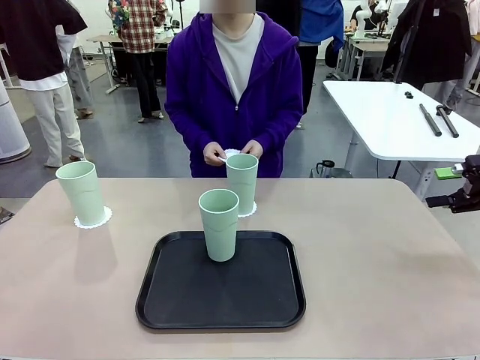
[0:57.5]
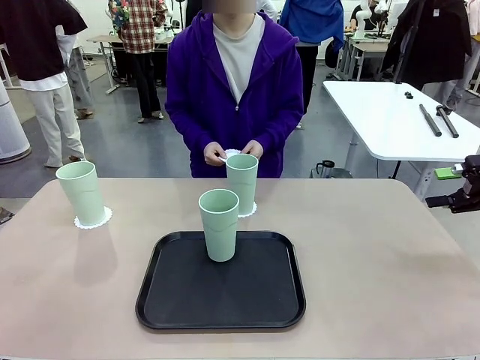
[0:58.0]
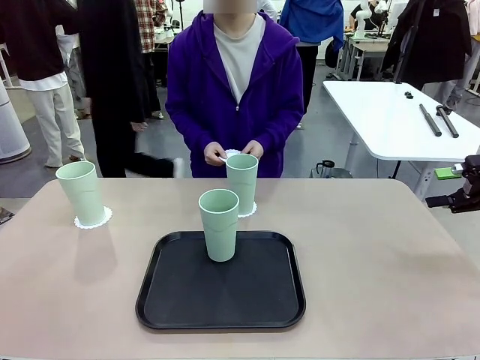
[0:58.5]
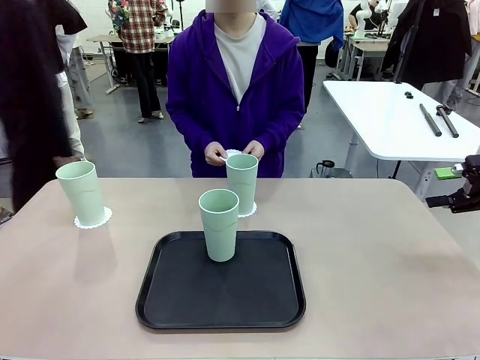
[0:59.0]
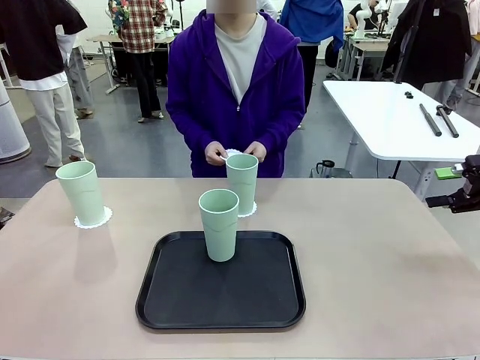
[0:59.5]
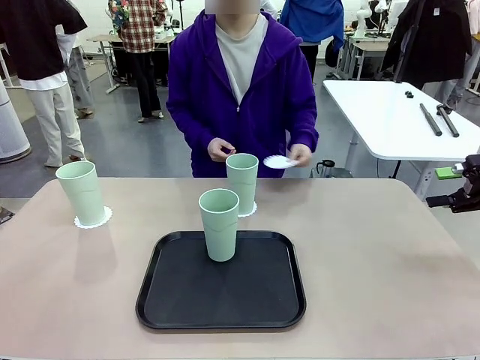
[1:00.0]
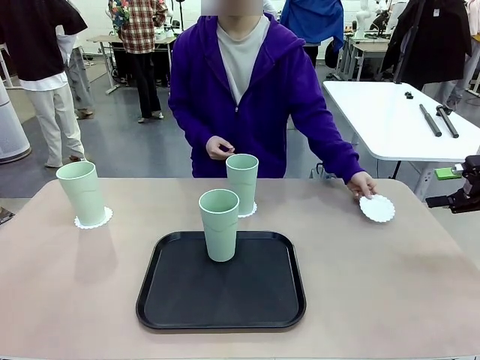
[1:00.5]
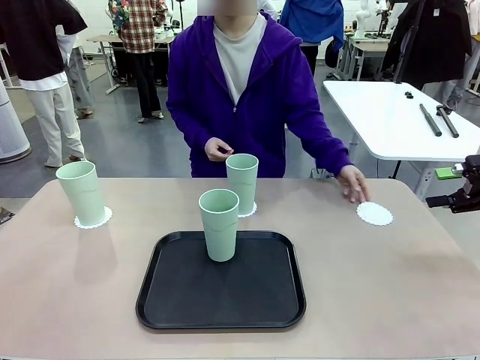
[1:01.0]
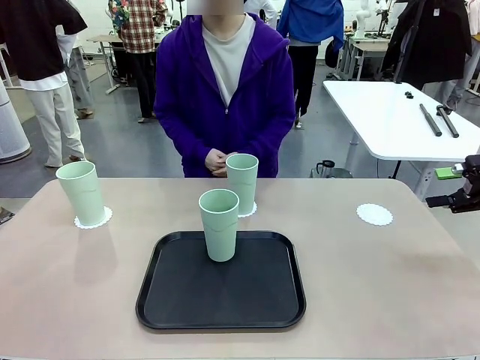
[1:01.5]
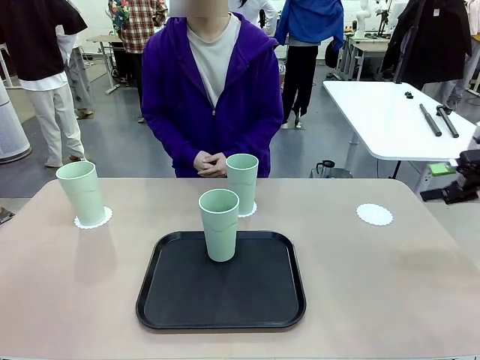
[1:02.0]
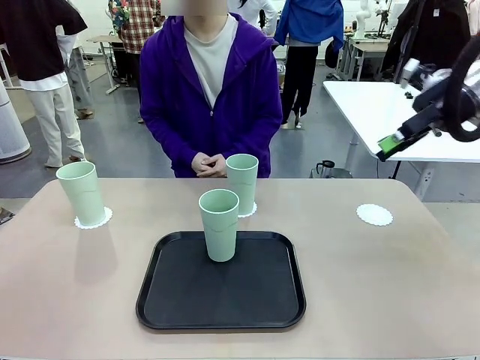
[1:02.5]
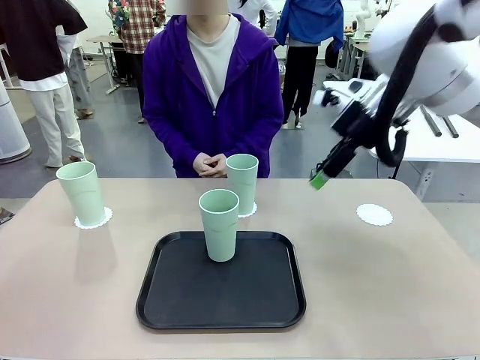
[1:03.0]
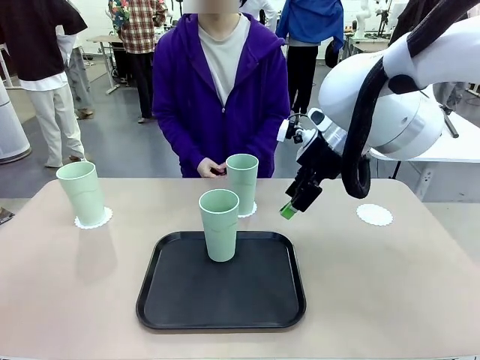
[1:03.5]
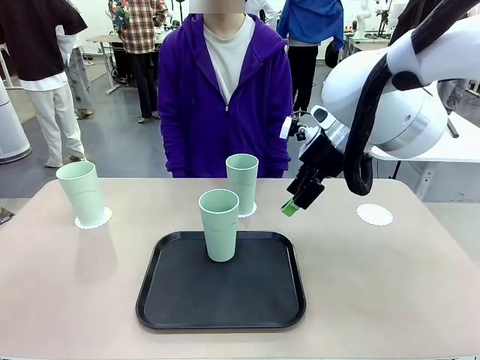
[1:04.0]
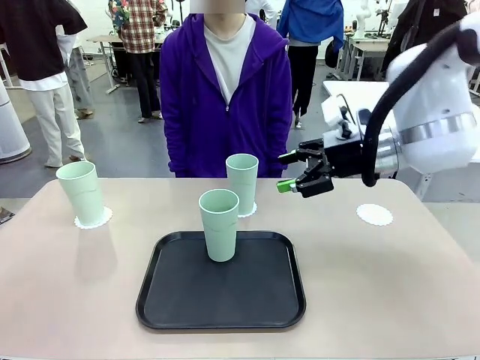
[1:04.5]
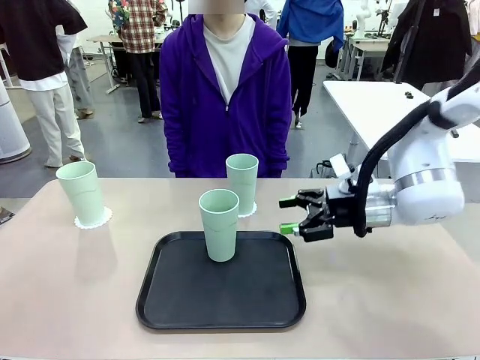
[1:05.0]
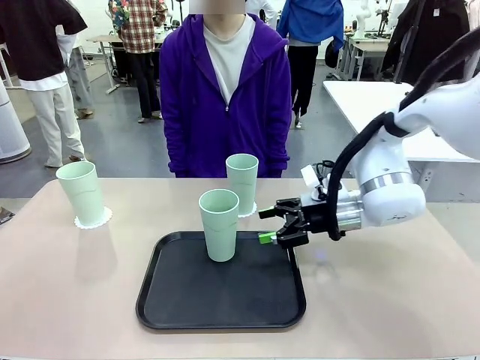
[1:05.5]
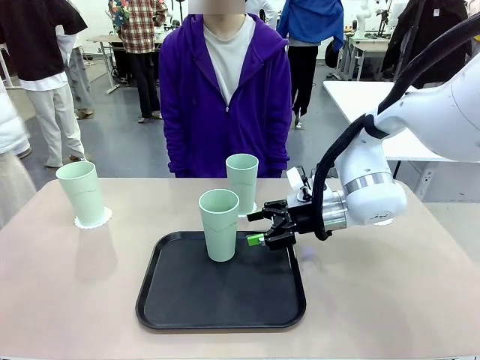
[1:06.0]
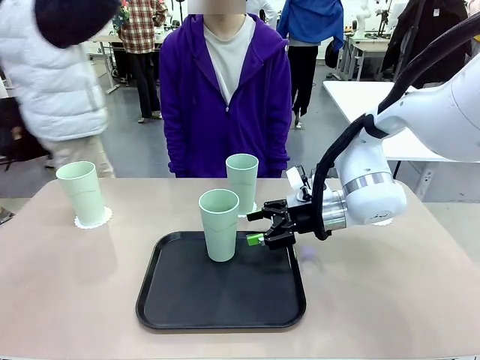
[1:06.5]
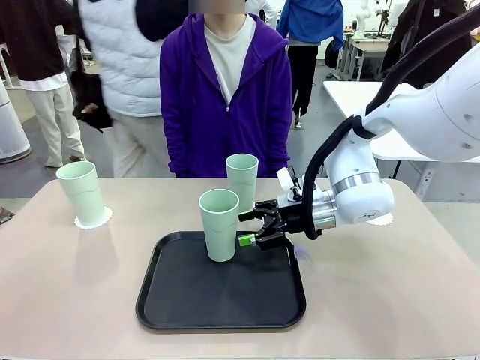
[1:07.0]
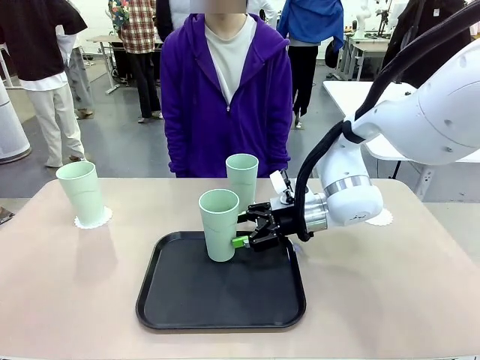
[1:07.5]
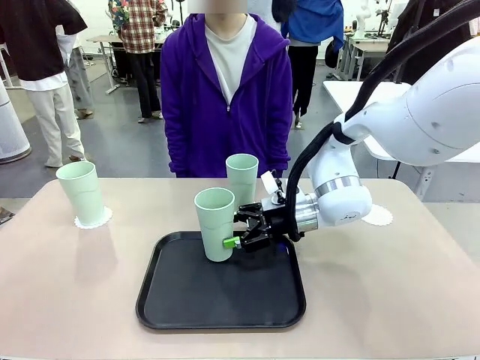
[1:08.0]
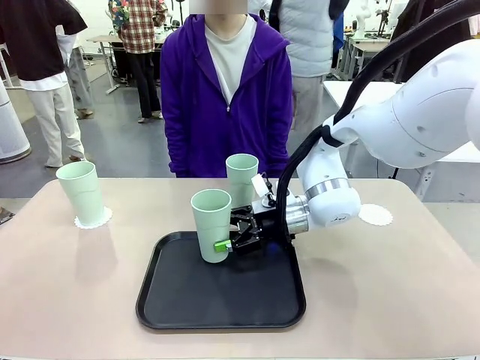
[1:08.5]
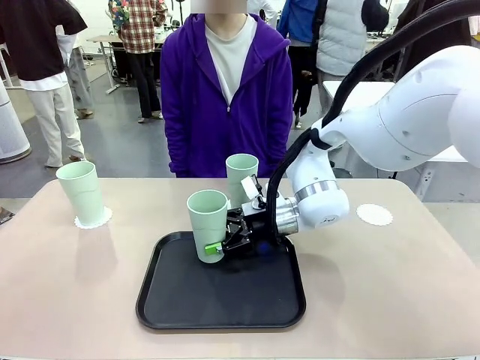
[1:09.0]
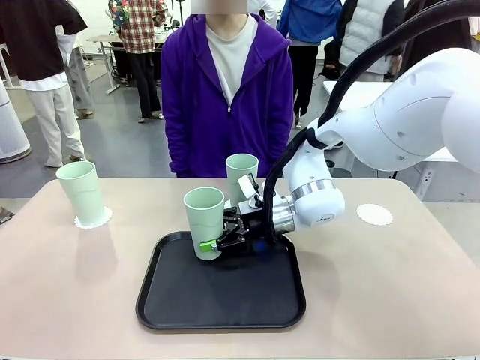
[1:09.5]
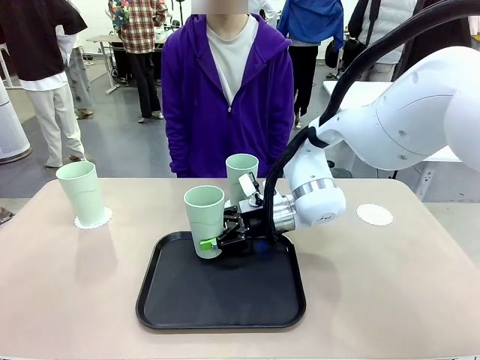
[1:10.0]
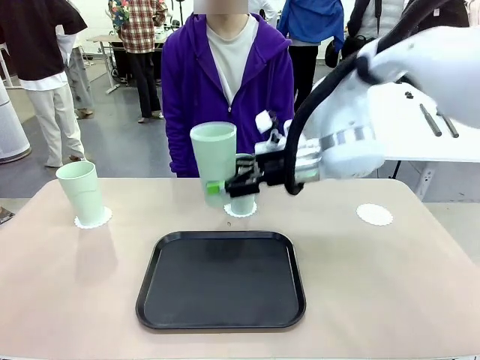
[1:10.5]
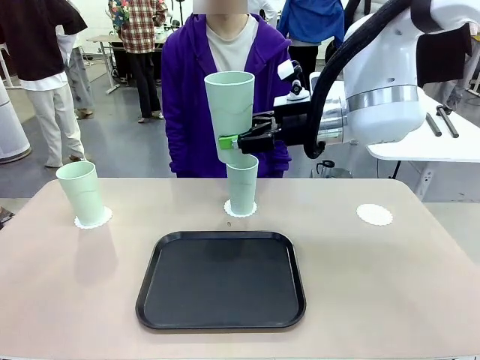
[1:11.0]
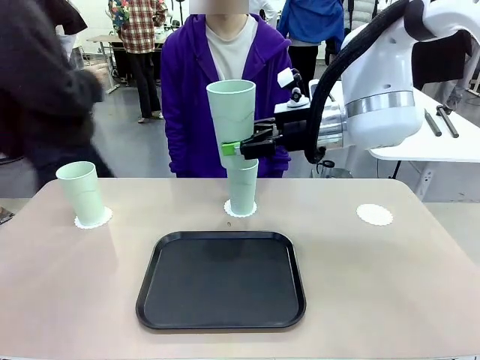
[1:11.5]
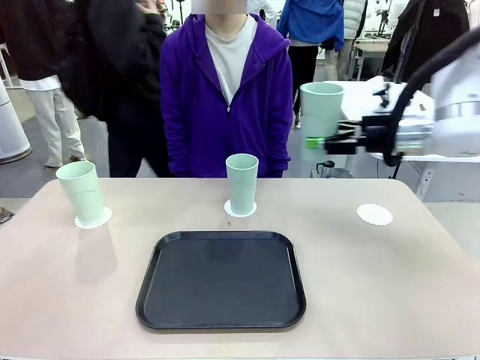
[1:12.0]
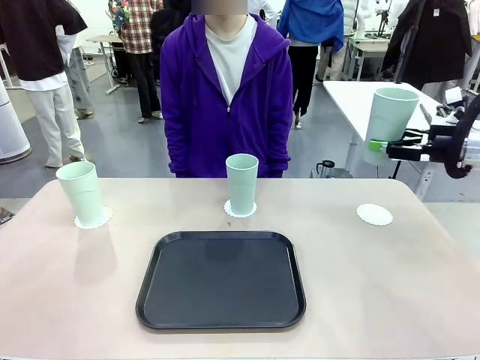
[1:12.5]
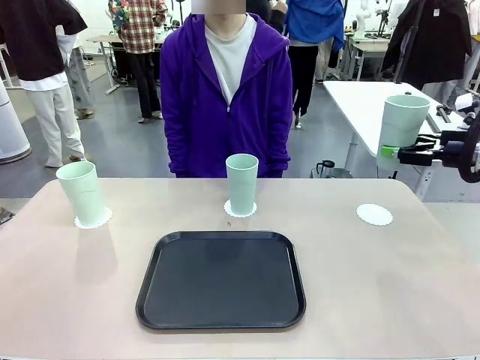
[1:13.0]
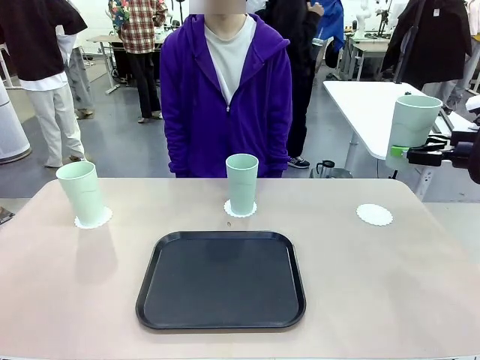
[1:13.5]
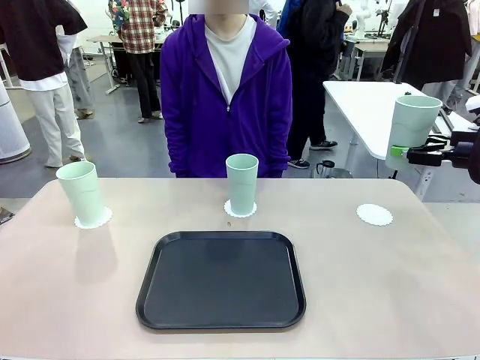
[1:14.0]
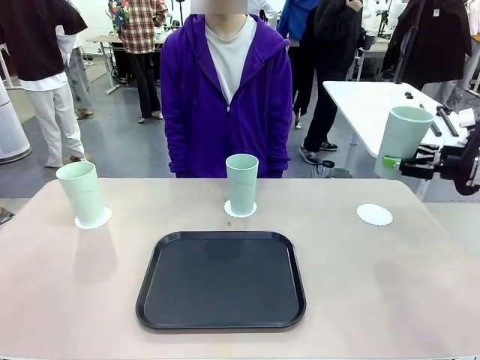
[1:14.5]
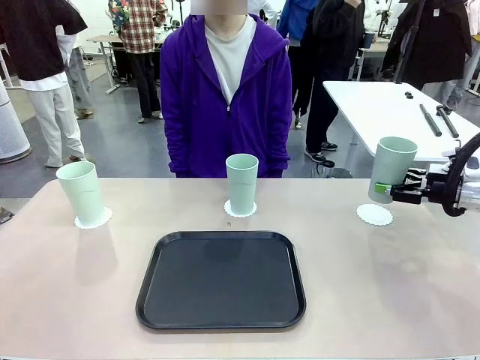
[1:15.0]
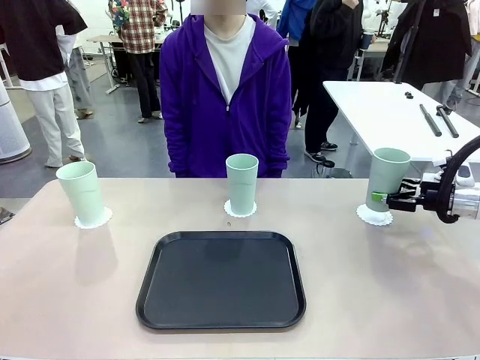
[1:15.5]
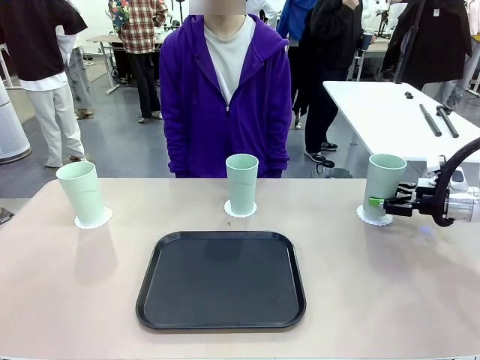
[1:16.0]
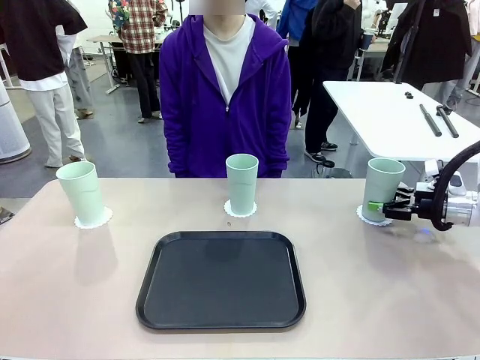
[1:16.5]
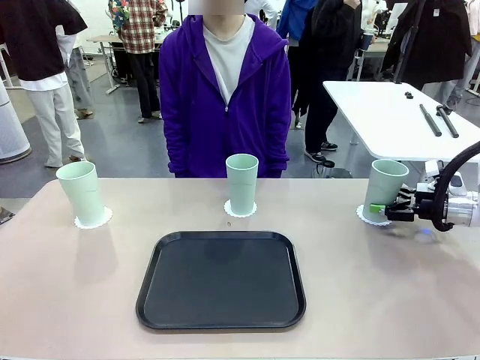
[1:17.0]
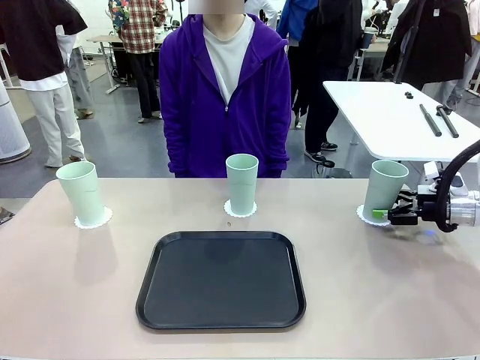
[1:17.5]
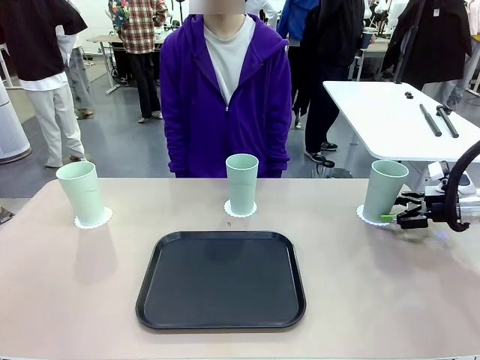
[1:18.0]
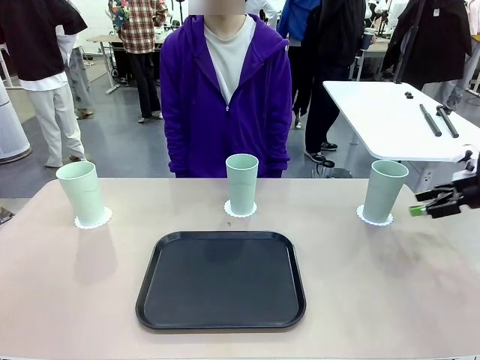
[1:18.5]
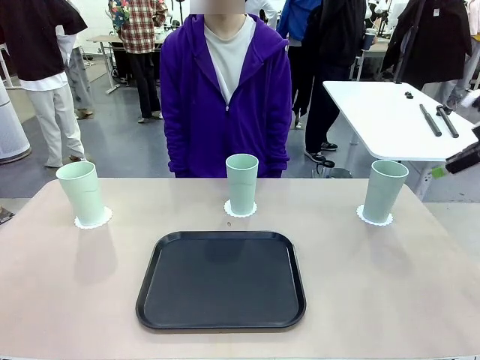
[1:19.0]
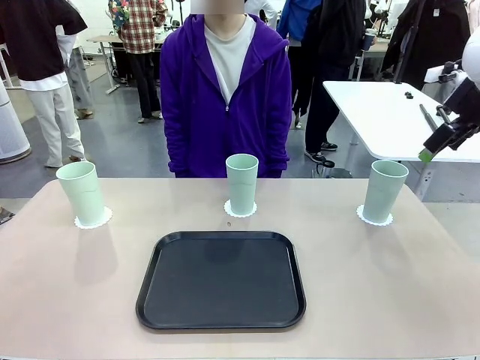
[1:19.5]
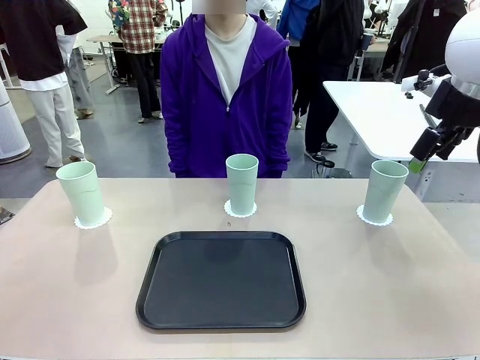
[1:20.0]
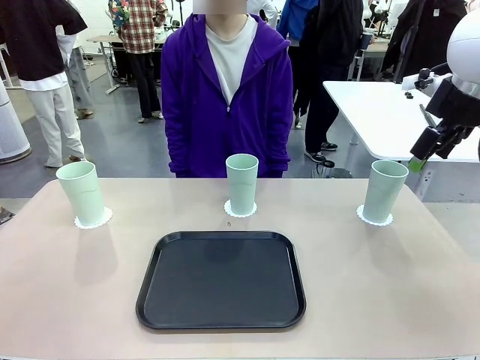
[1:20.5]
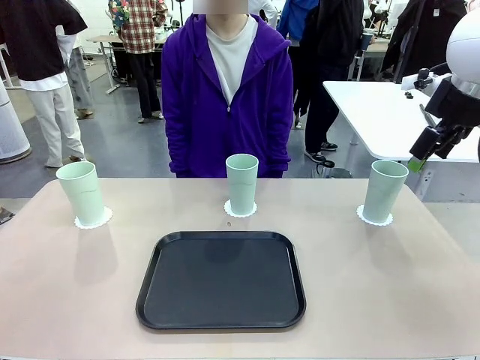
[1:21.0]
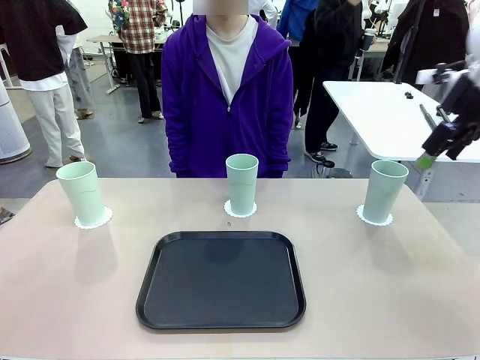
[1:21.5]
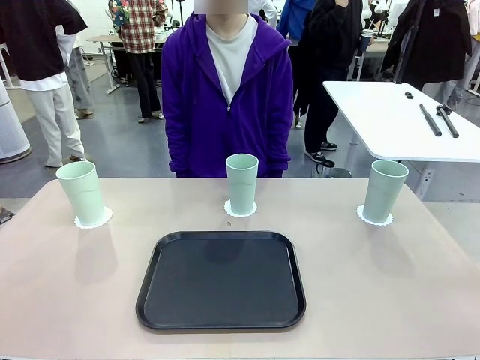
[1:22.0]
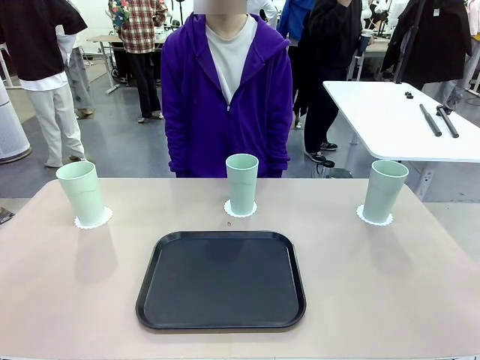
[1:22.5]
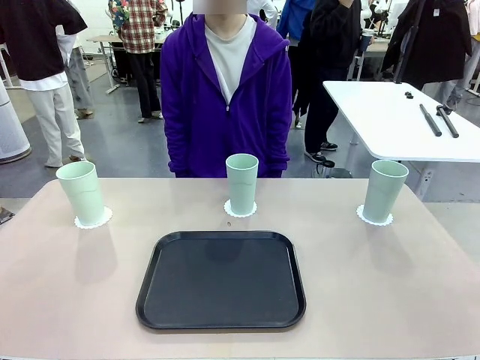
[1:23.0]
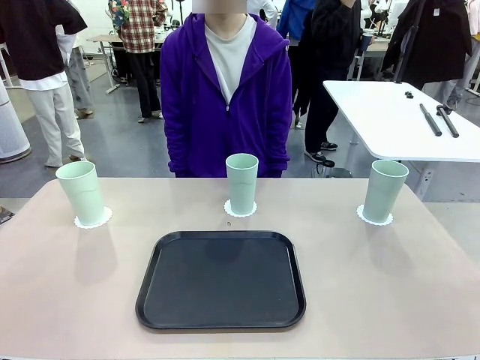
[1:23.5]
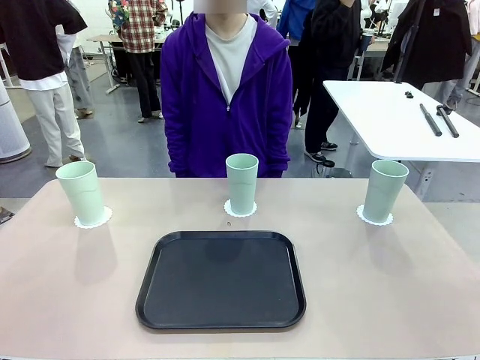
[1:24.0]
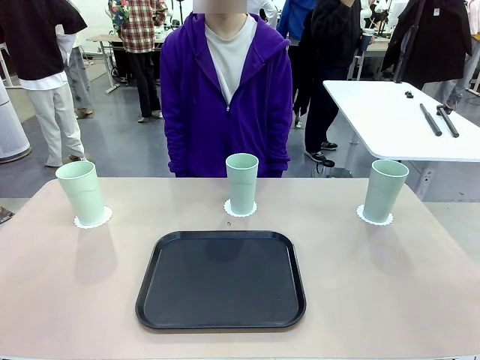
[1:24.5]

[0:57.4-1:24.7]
Task: Place coasters on the table and set cups on them.
Robot: Take one Reusable plastic cup from the Flat Tray and place it on a coaster set by the human.
Person: Place one coaster in the only remaining area.
